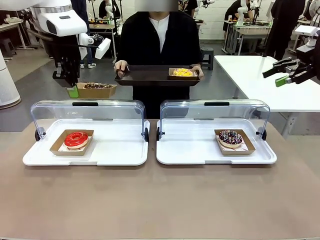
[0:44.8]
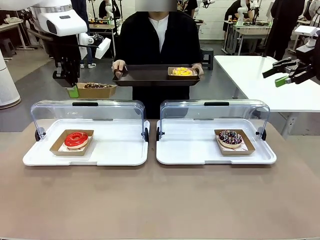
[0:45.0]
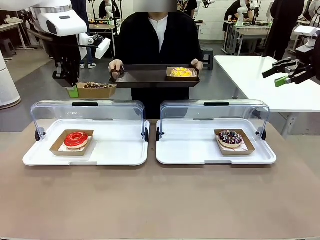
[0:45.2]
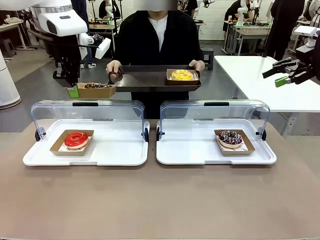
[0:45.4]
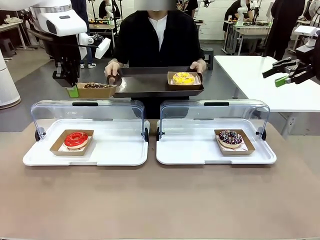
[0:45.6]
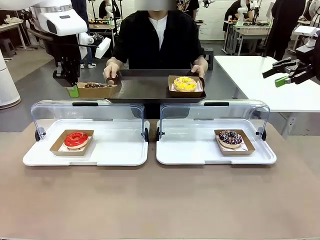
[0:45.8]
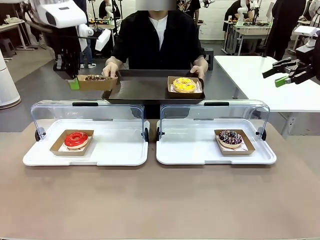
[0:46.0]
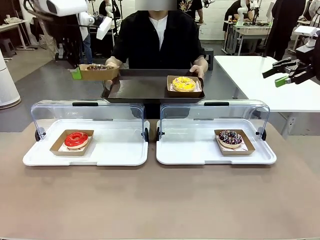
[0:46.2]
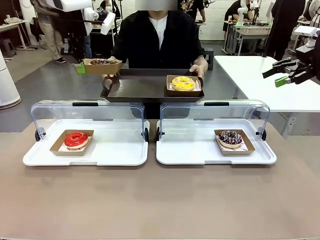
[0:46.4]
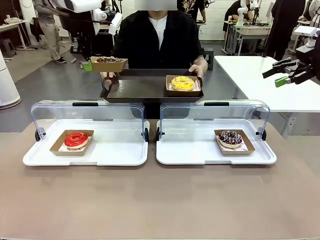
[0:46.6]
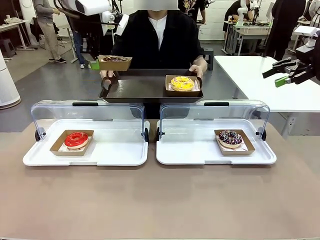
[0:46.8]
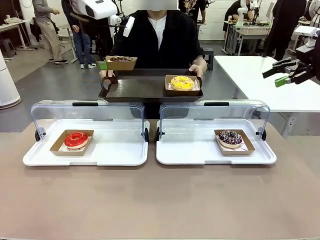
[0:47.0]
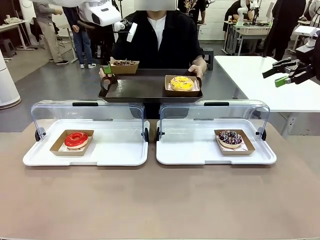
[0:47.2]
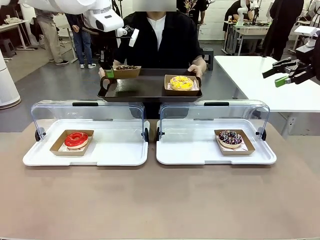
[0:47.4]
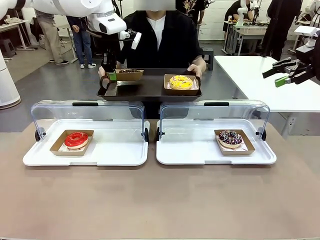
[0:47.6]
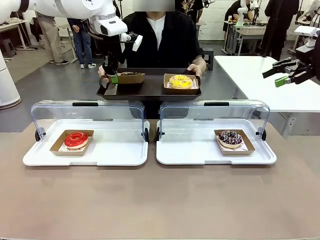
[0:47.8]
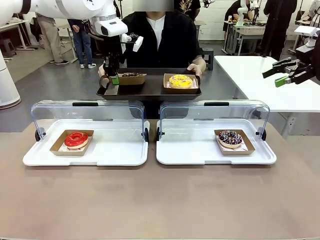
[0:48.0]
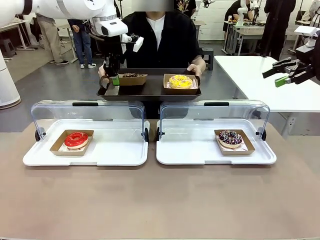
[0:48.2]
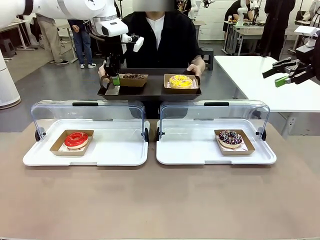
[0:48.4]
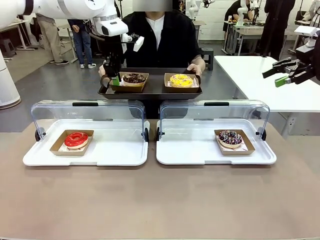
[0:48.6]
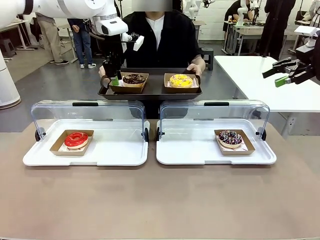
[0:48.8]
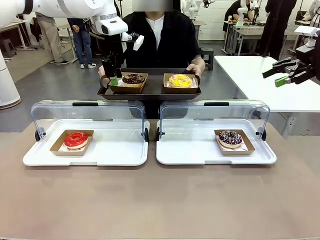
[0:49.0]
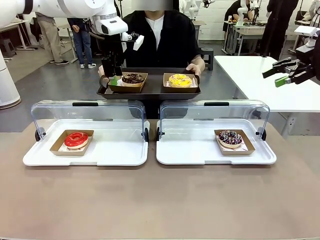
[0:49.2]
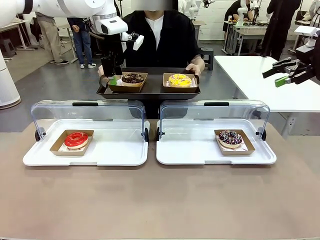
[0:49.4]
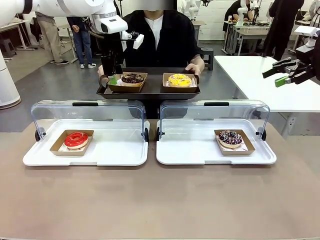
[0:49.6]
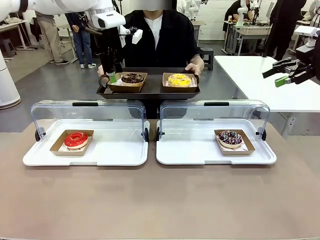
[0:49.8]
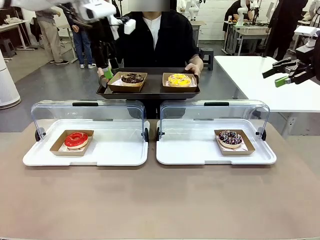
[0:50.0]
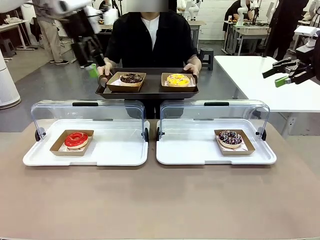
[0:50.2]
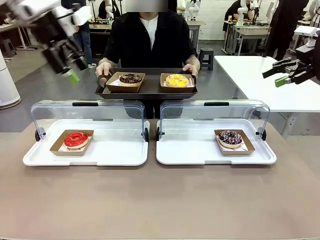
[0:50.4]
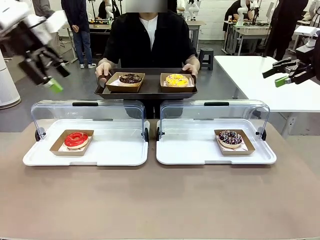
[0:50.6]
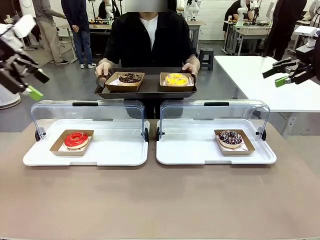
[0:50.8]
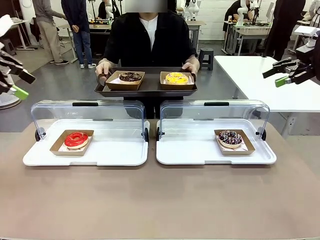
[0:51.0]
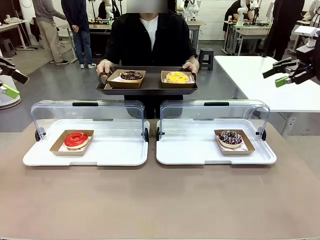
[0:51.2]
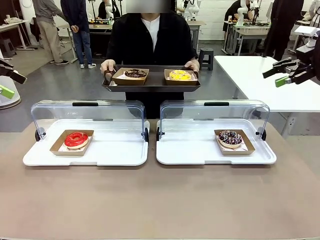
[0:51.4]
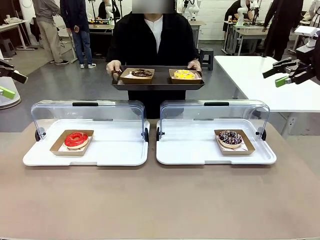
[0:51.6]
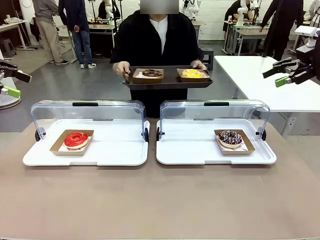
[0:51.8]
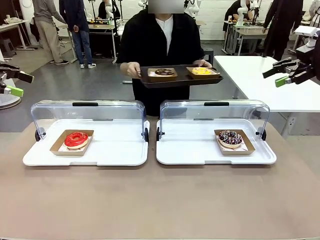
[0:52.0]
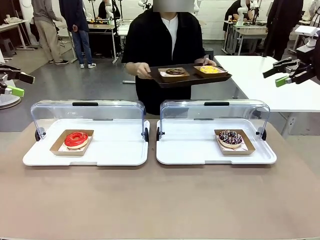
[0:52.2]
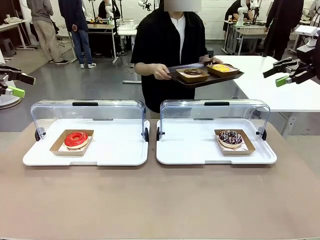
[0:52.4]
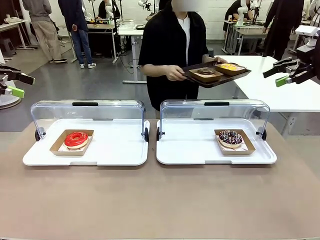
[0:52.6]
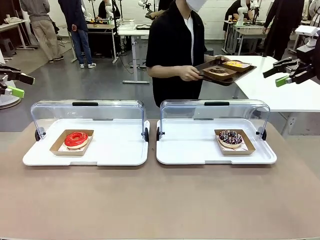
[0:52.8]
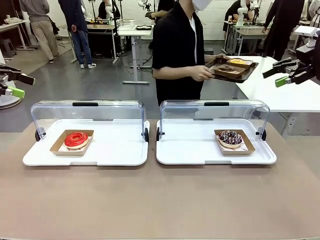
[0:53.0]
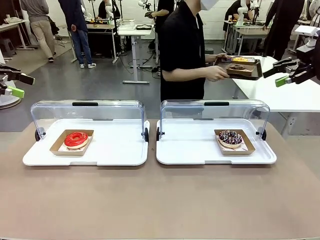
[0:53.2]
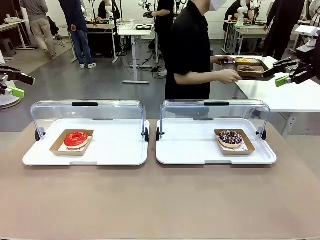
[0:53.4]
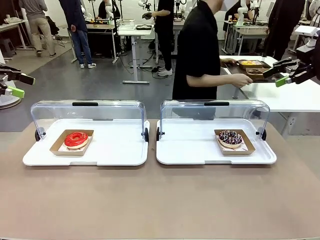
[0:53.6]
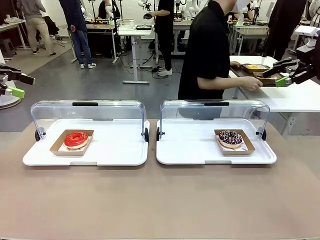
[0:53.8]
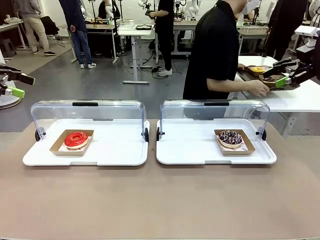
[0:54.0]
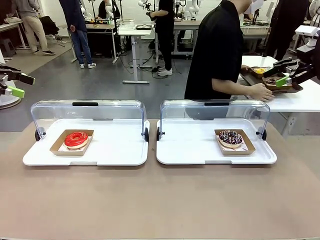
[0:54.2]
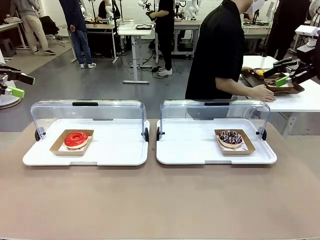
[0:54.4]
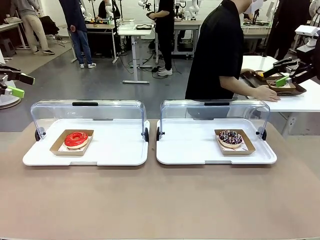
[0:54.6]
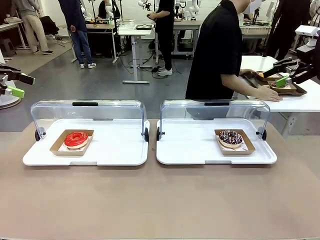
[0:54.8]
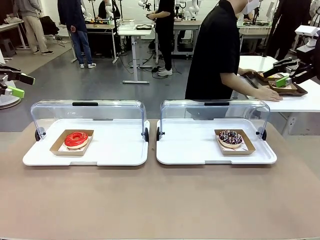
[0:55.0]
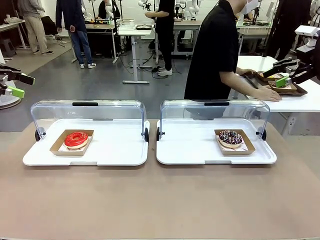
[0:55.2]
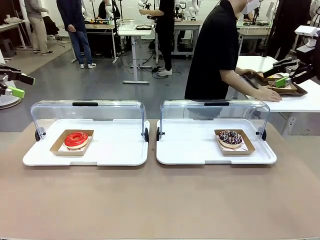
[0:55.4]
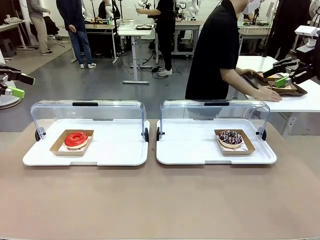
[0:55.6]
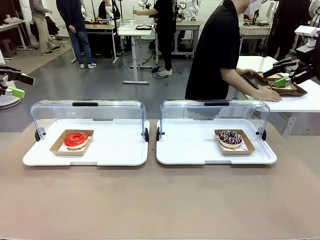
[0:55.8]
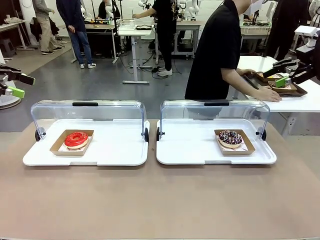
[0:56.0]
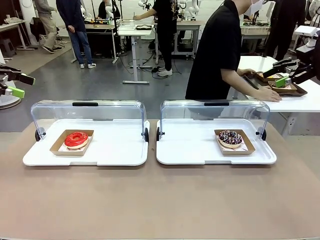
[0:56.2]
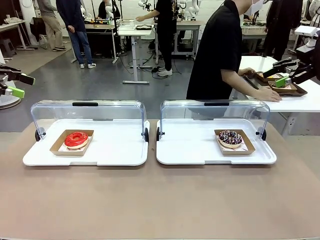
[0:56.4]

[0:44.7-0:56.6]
Task: Provide the desired donut to the person.
Robot: Place the picked Paper togo box onto the Handle tray extended by the person.
Person: Place the tray in the middle of the human table.

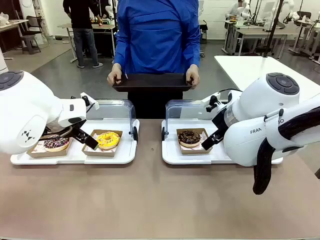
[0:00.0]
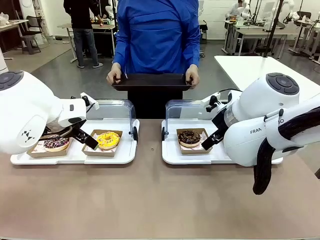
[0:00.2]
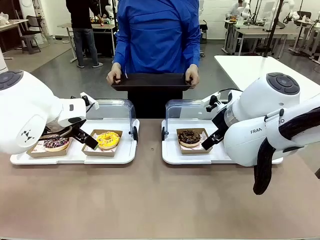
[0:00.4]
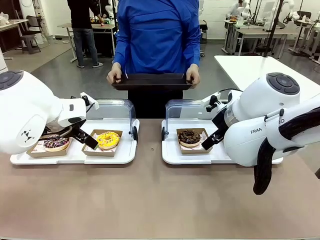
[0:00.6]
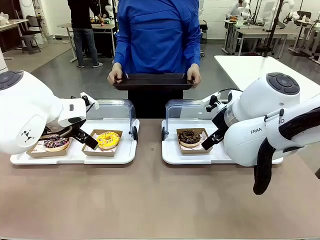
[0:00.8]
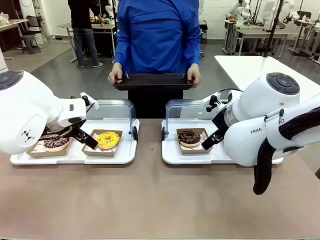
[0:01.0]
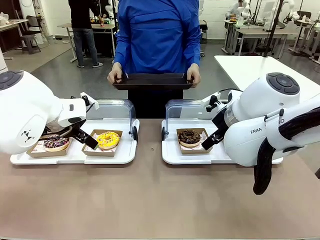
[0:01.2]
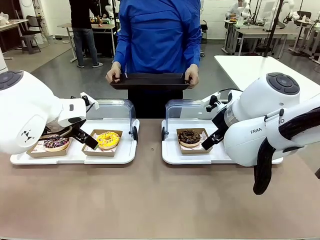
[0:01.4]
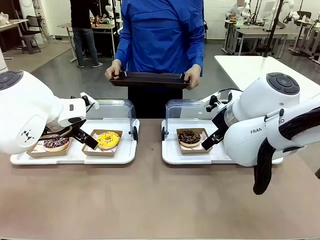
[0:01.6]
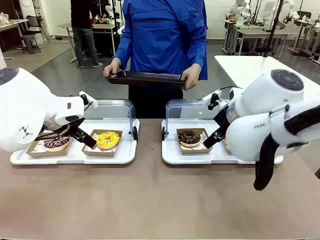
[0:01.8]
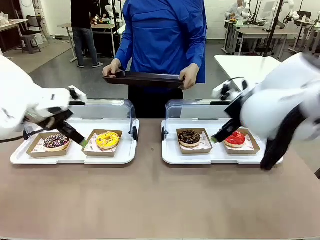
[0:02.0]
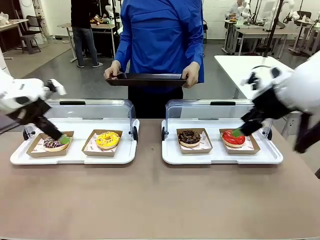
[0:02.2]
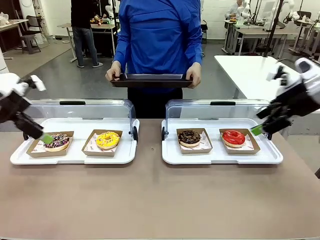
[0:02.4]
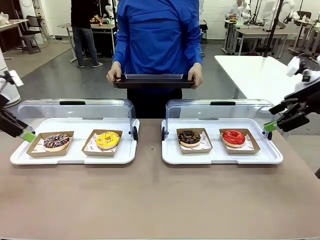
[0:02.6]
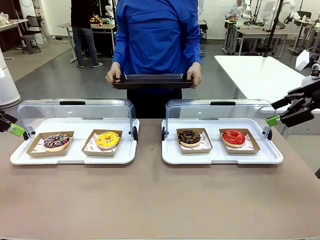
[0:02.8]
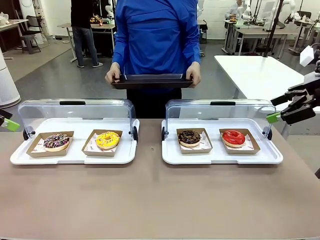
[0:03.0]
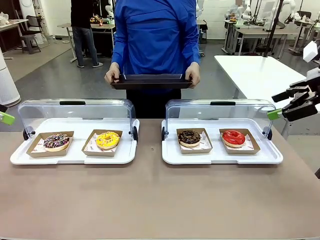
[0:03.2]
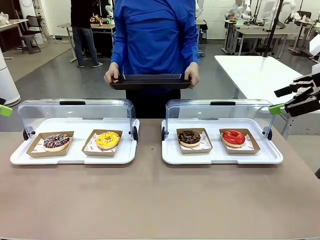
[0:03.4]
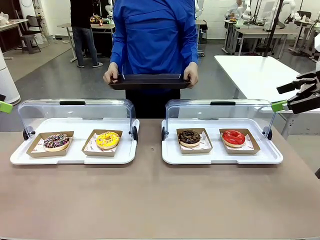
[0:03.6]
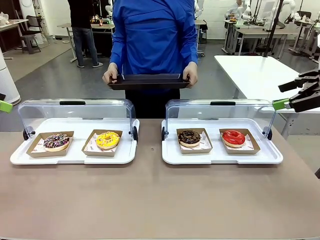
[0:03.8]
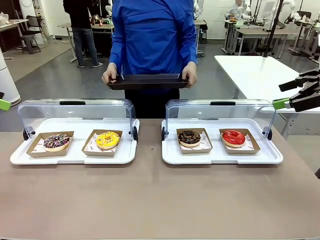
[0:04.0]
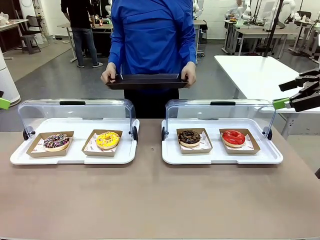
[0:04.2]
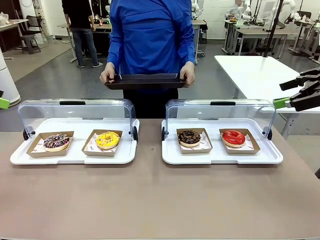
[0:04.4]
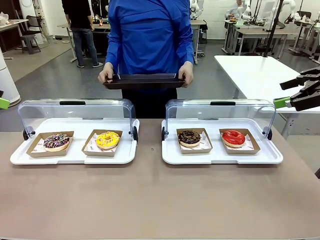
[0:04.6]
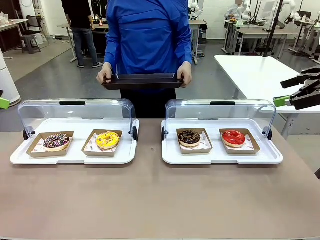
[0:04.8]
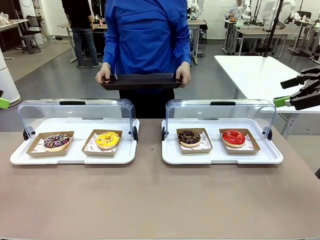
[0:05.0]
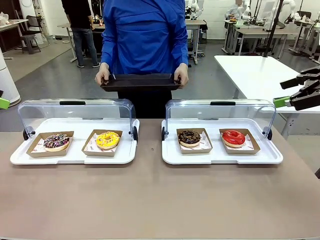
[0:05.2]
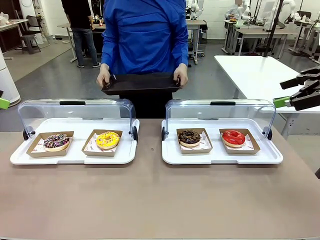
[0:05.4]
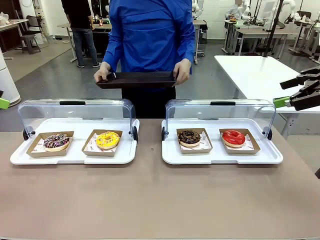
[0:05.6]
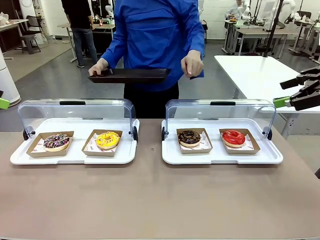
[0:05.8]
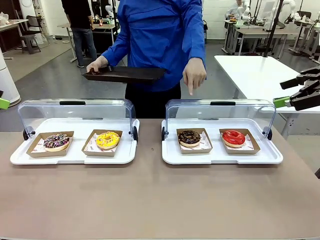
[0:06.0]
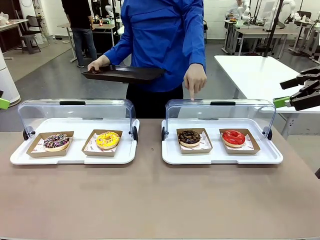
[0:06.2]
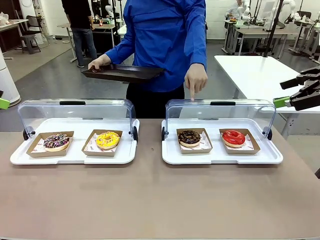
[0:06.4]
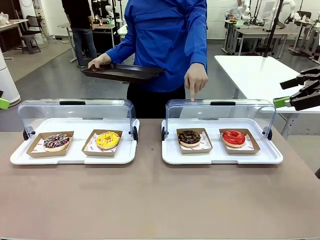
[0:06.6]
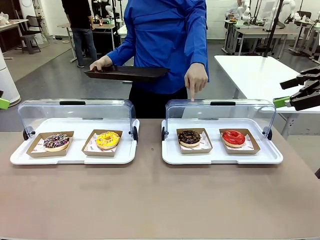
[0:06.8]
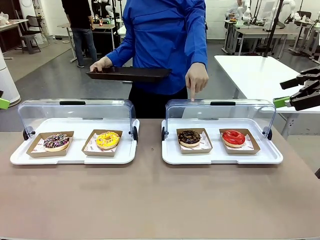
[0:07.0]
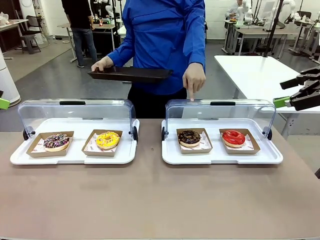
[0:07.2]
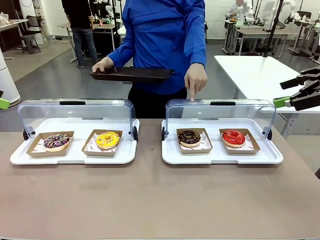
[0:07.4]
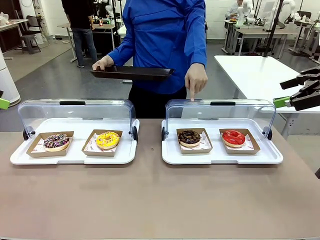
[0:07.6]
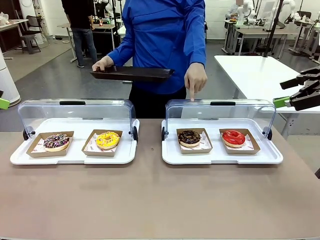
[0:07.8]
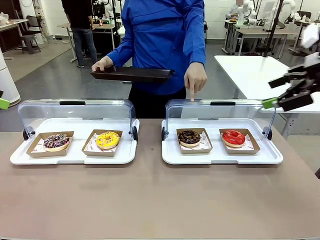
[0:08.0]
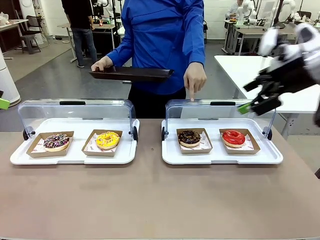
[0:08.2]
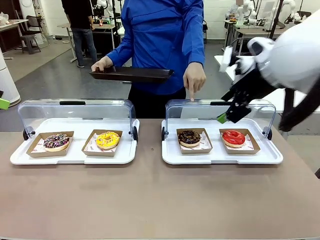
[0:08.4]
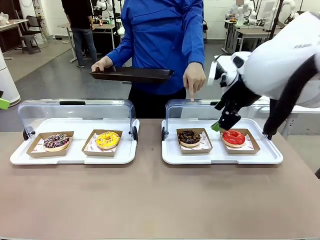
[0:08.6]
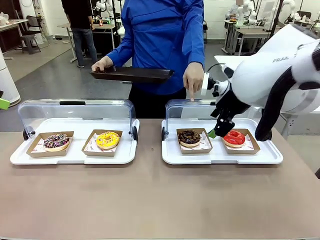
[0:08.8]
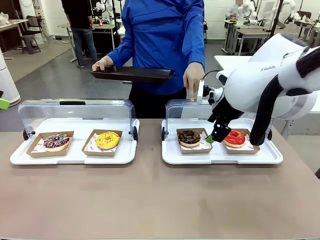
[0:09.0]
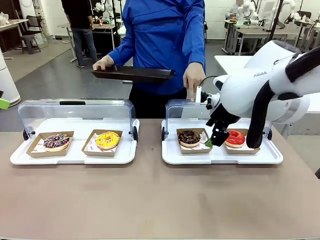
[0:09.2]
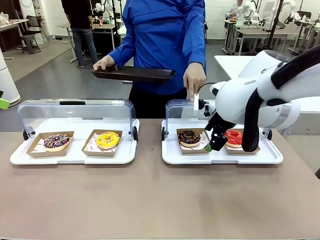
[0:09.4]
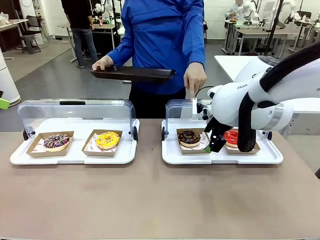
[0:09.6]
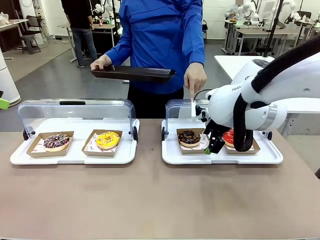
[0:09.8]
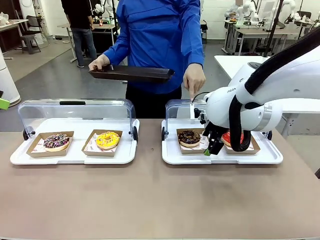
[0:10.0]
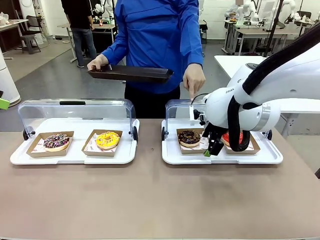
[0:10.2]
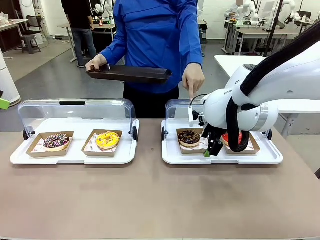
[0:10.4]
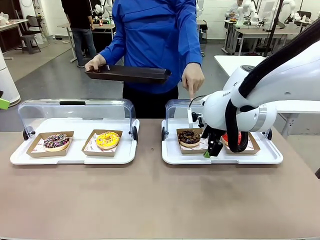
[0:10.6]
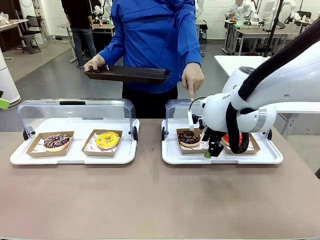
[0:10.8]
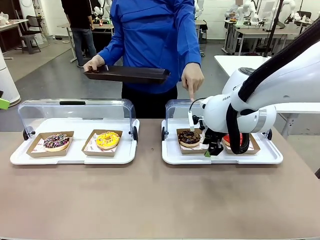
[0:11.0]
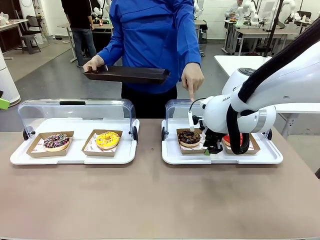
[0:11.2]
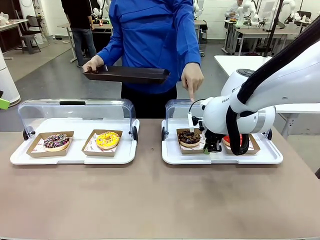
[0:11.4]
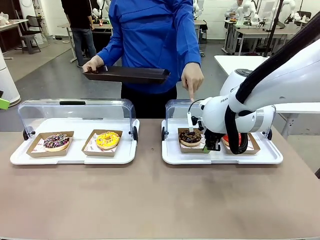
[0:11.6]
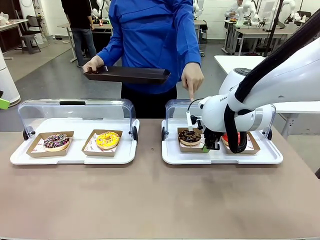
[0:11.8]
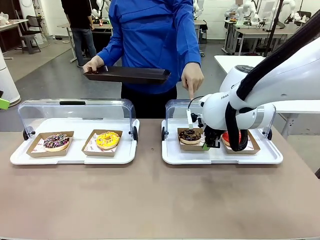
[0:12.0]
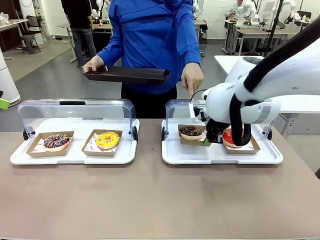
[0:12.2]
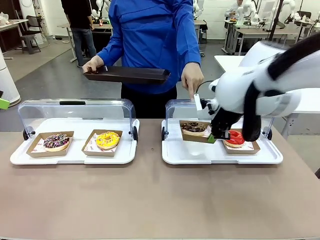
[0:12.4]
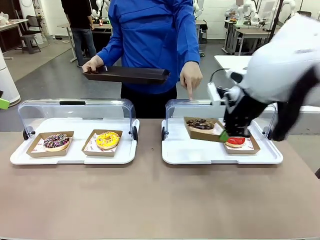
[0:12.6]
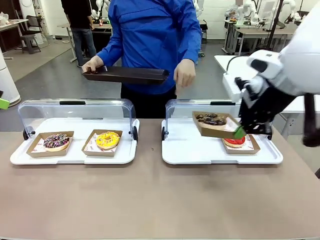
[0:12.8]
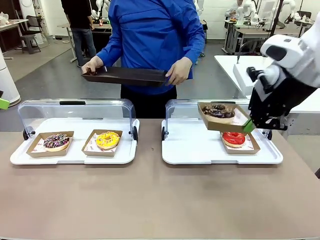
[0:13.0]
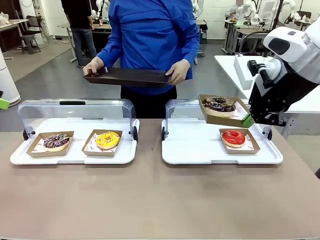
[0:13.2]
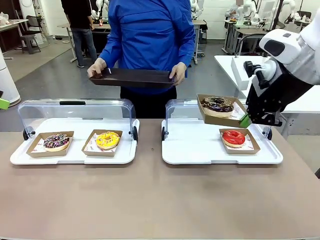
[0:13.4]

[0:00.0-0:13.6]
Task: Provide the desired donut to the person.
Robot: Pick up and lift the Paper togo box containing the Donut pointed at by the person.
Person: Point to one donut. Lift the tray onto the Roll-Top Bakery Case.
